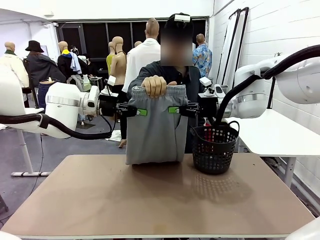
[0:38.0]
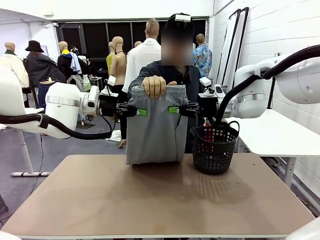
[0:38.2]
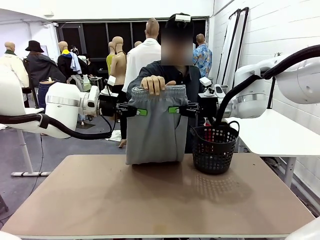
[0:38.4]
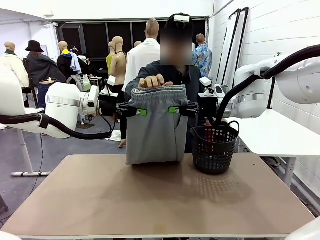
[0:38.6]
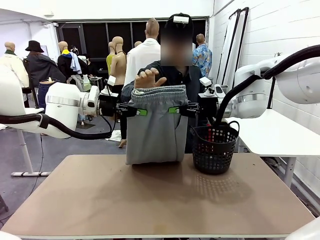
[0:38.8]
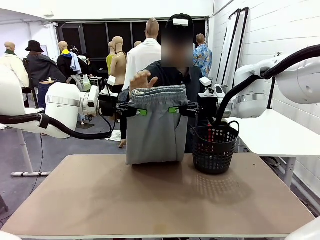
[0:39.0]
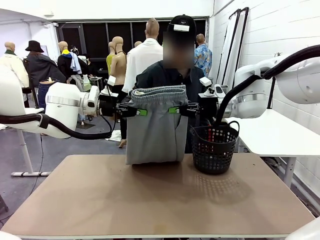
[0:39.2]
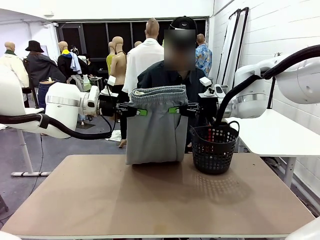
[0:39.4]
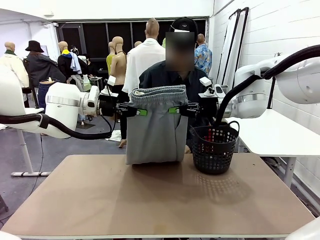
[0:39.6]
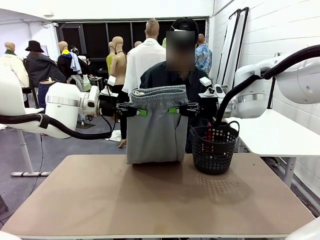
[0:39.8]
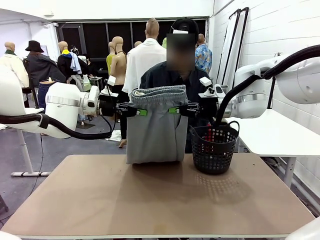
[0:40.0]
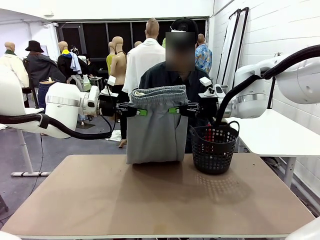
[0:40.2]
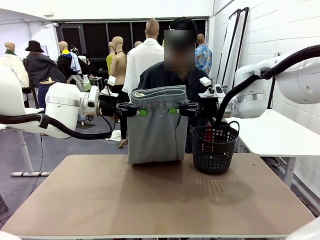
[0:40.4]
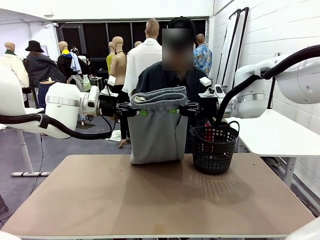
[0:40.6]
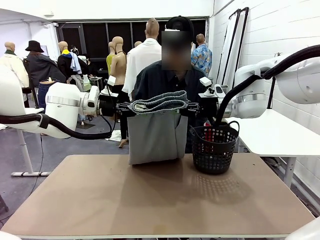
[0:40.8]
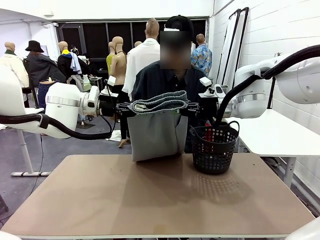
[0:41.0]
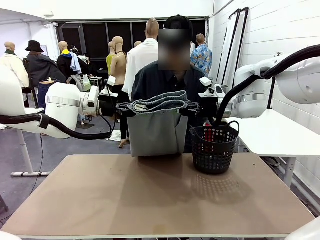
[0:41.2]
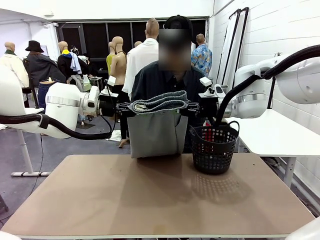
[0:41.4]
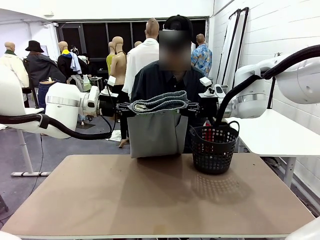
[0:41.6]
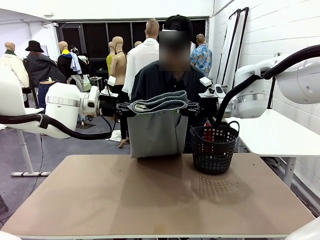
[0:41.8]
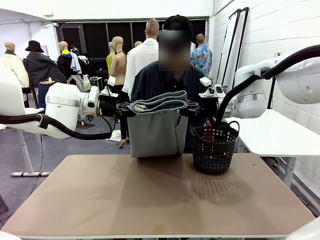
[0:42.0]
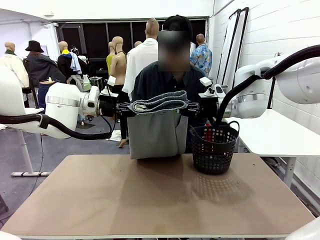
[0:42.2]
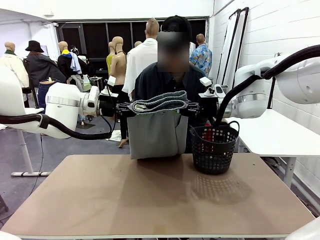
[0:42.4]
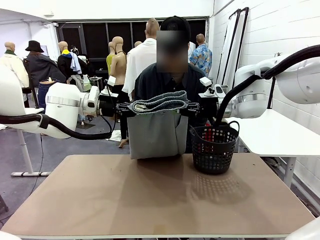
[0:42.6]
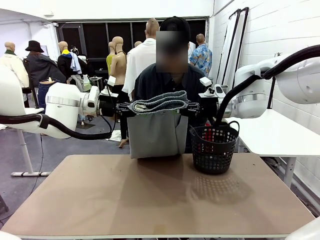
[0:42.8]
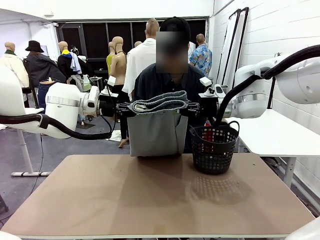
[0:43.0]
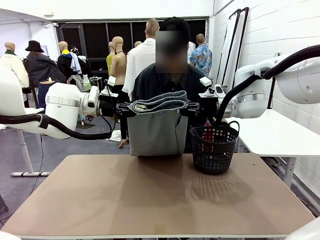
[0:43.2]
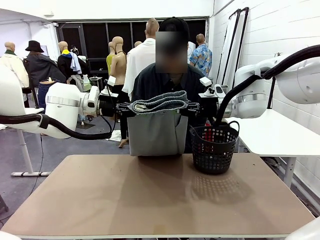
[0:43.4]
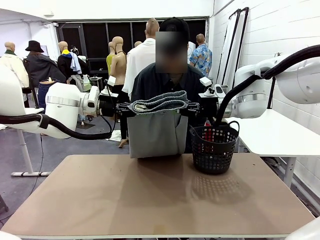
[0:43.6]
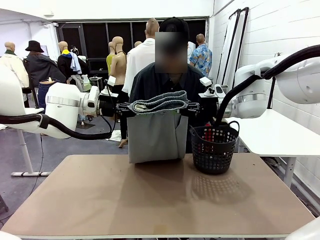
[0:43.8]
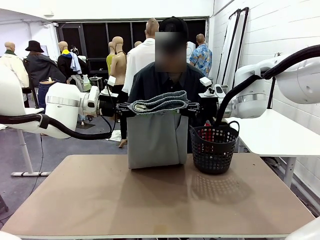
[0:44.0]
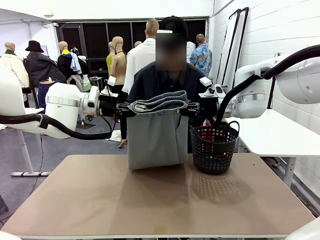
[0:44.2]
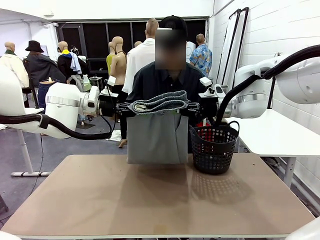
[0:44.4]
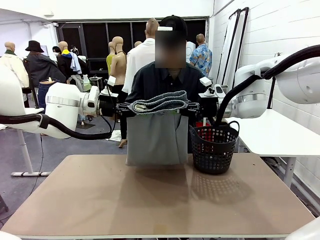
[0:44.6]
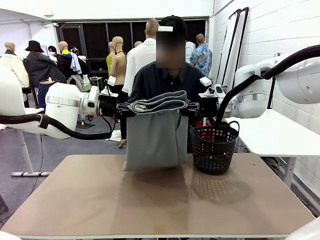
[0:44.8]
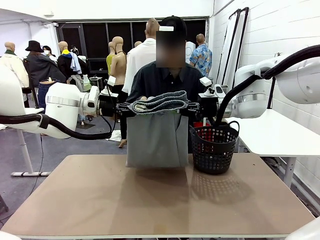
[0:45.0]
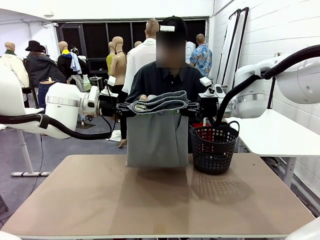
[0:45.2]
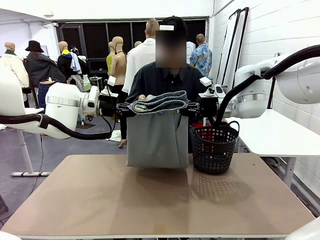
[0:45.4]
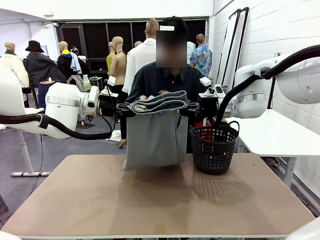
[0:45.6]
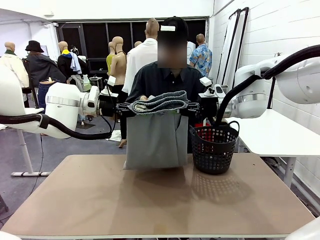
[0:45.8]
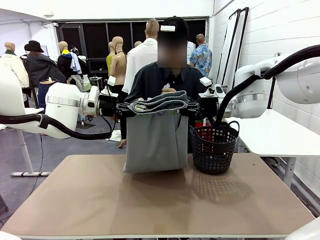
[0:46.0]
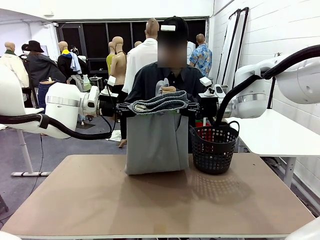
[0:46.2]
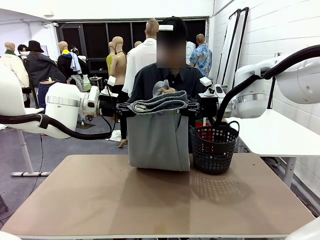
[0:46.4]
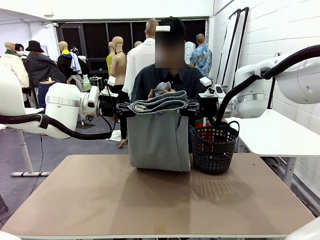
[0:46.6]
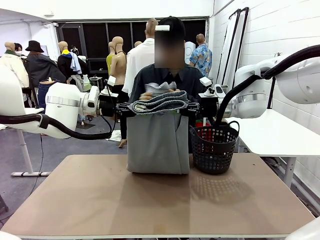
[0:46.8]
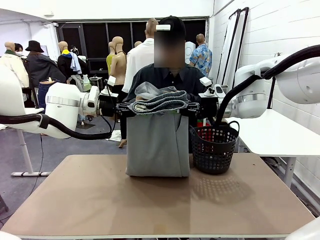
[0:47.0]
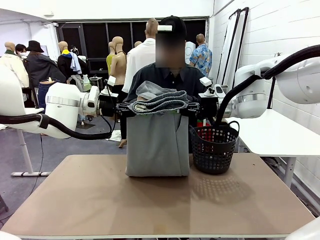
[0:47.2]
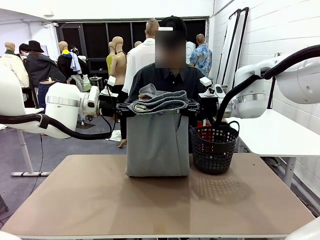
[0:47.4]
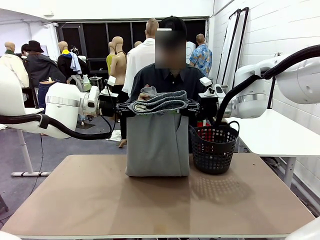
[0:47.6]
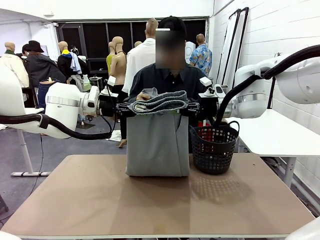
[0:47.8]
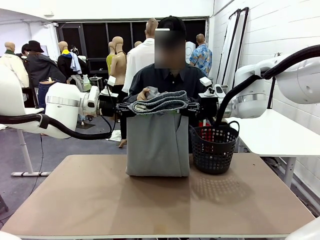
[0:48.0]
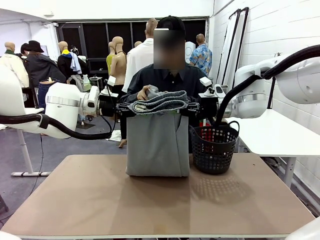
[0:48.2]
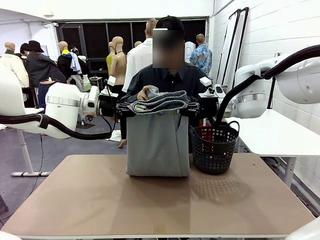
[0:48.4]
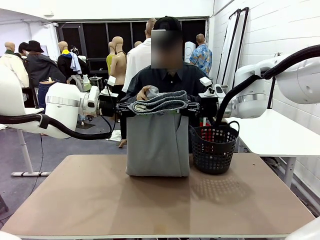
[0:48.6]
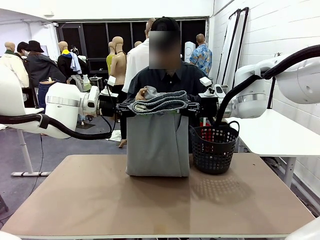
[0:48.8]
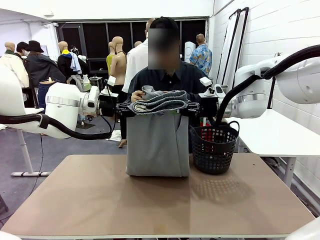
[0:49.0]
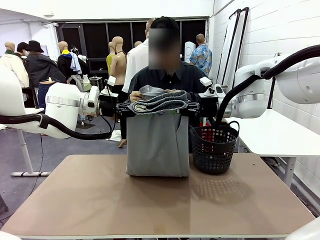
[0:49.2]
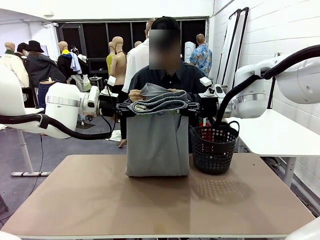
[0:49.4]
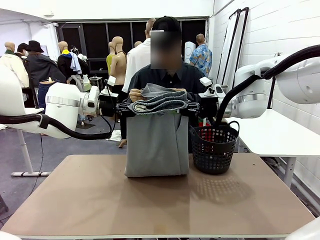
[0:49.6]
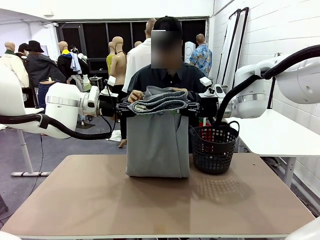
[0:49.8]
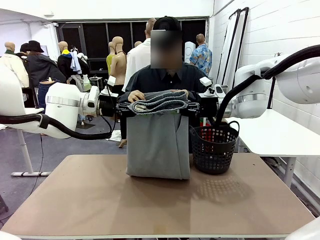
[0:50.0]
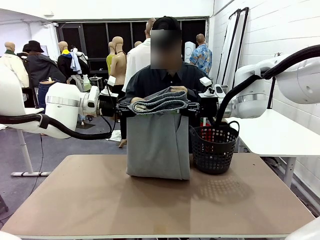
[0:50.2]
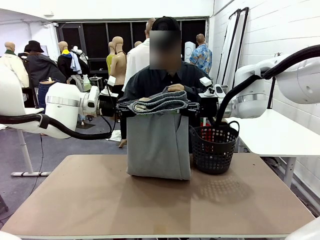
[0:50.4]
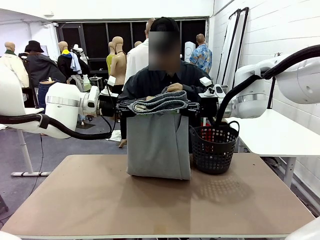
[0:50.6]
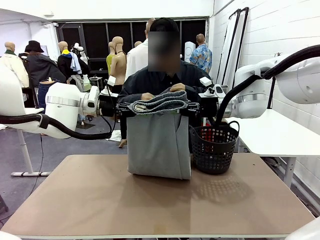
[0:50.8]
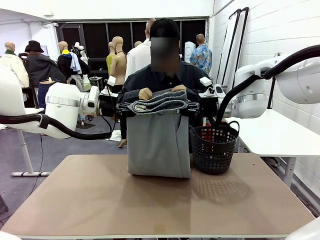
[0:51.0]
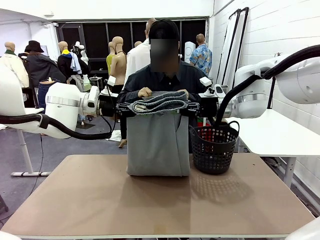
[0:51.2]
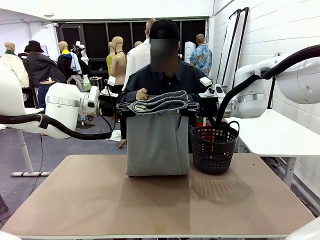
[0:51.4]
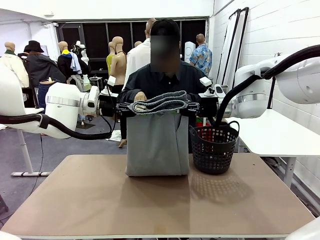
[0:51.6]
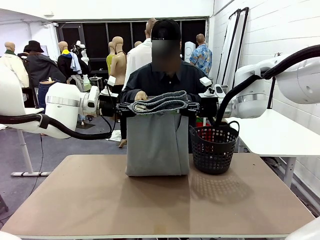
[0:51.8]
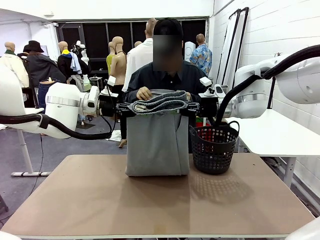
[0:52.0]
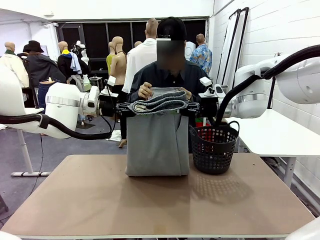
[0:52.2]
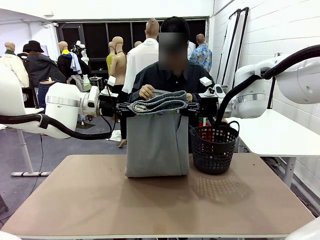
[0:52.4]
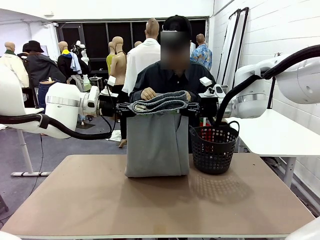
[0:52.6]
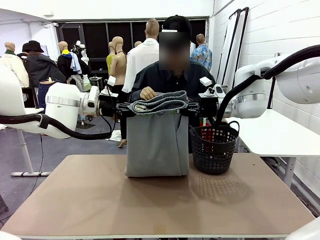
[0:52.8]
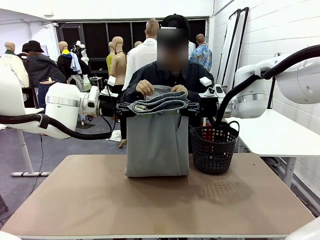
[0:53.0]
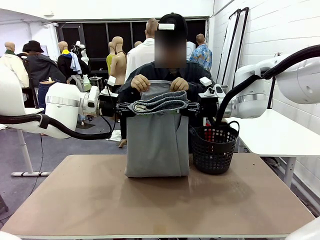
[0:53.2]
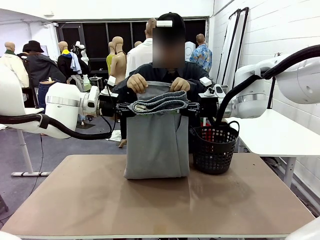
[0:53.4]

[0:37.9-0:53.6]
Task: Fold the training pants.
Robot: Release the ends of the Training pants and then grab the overlapped ends.
